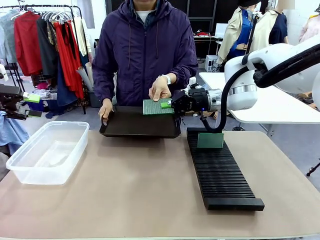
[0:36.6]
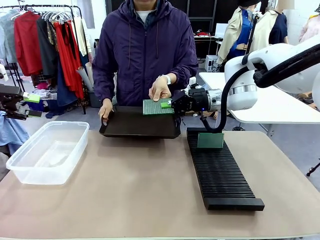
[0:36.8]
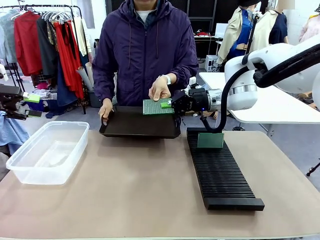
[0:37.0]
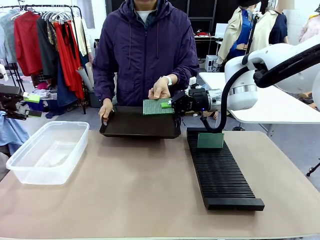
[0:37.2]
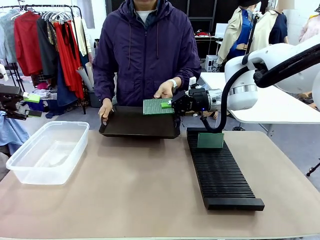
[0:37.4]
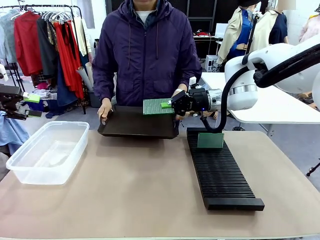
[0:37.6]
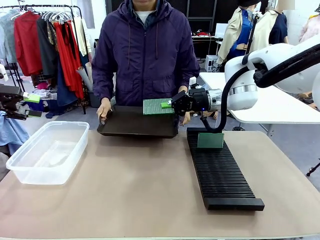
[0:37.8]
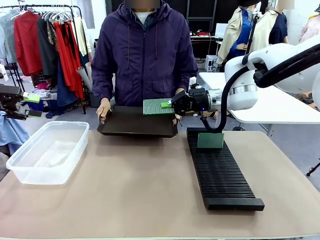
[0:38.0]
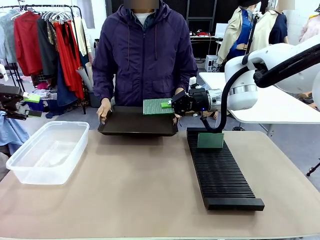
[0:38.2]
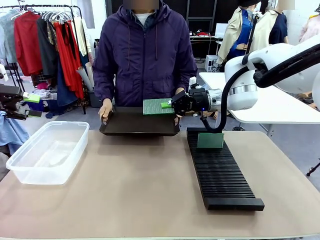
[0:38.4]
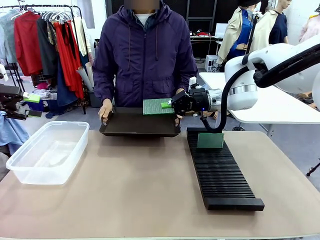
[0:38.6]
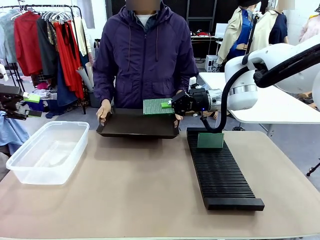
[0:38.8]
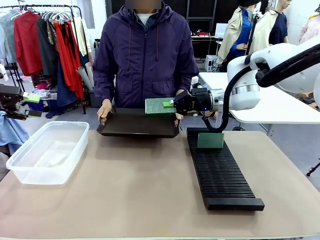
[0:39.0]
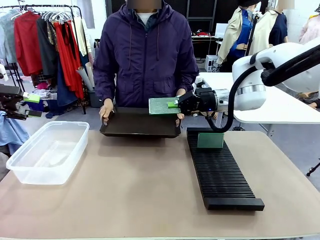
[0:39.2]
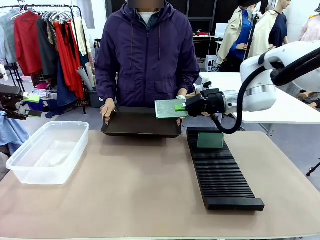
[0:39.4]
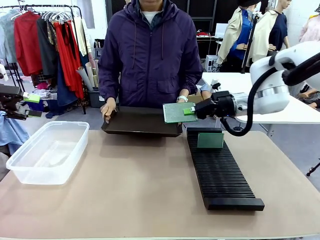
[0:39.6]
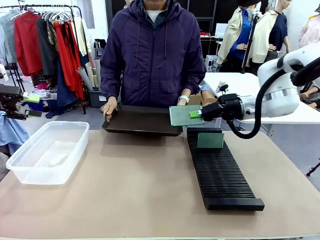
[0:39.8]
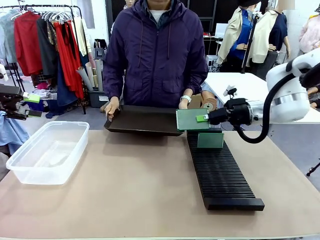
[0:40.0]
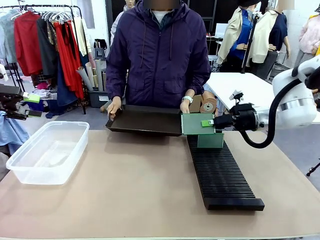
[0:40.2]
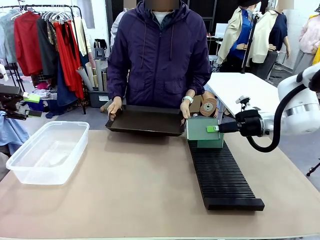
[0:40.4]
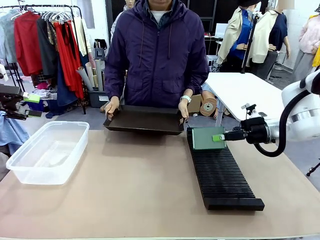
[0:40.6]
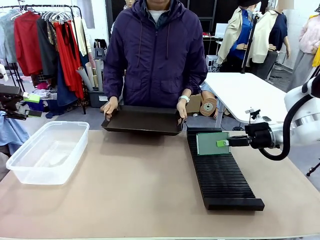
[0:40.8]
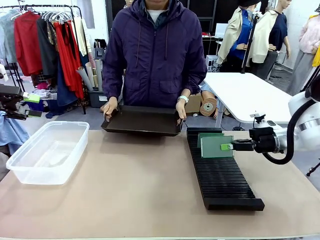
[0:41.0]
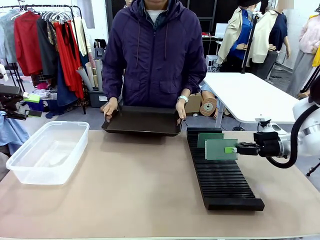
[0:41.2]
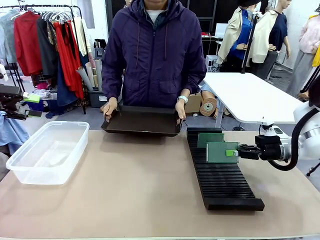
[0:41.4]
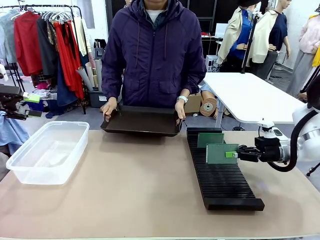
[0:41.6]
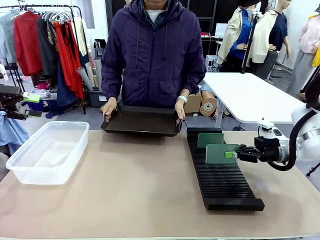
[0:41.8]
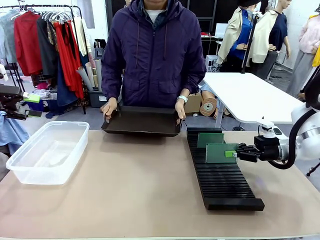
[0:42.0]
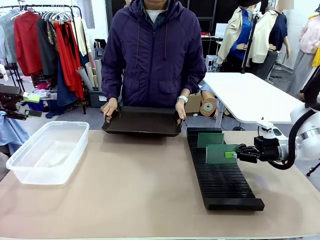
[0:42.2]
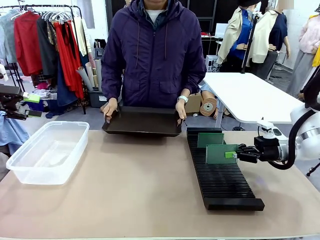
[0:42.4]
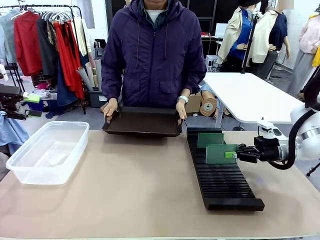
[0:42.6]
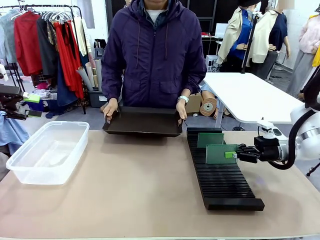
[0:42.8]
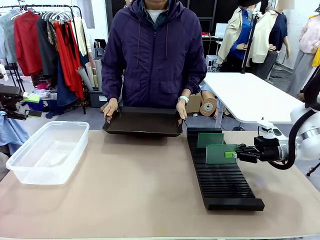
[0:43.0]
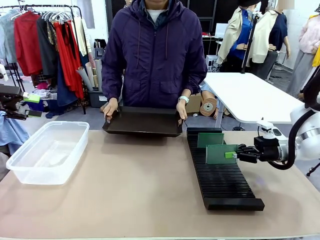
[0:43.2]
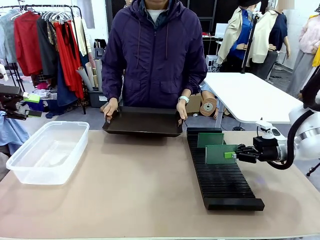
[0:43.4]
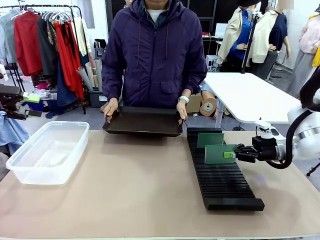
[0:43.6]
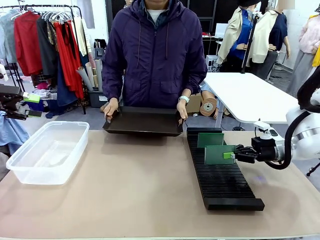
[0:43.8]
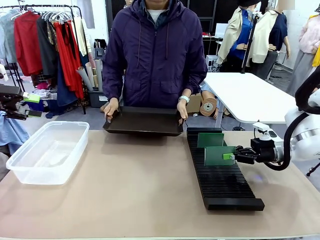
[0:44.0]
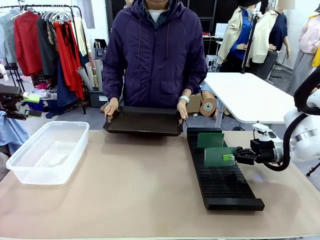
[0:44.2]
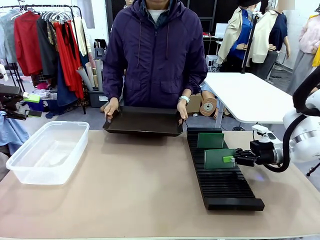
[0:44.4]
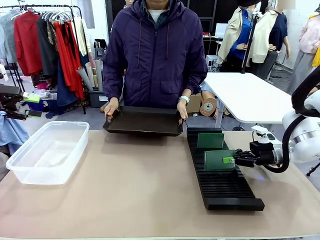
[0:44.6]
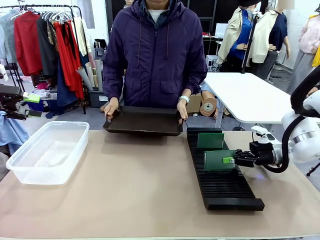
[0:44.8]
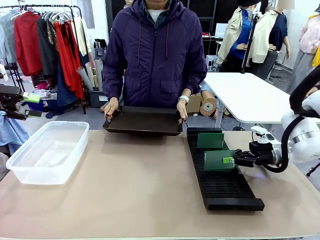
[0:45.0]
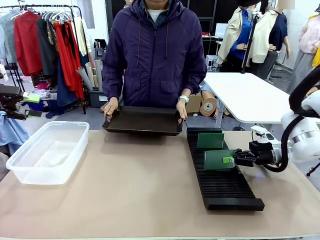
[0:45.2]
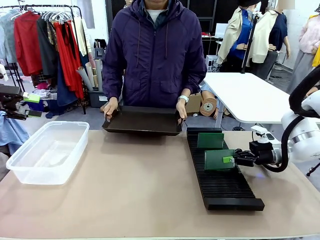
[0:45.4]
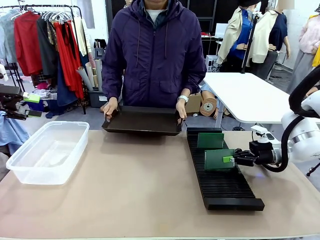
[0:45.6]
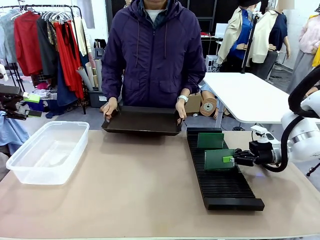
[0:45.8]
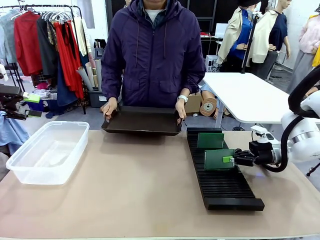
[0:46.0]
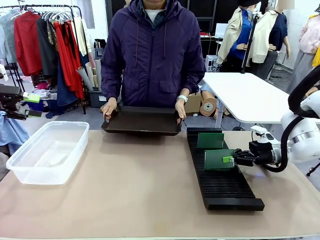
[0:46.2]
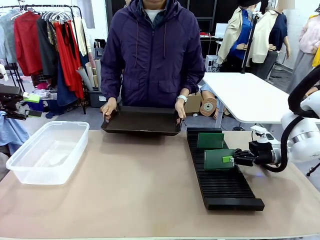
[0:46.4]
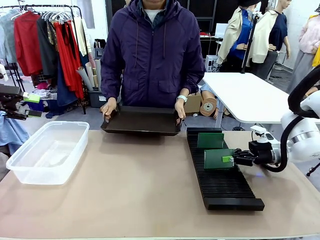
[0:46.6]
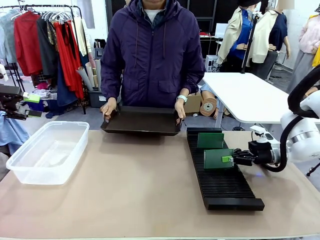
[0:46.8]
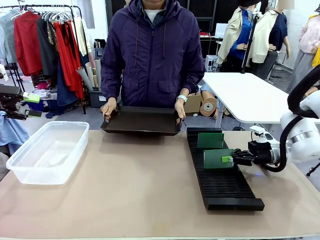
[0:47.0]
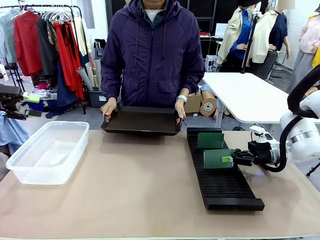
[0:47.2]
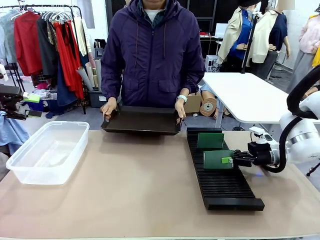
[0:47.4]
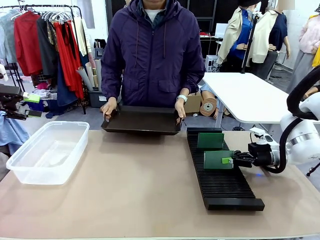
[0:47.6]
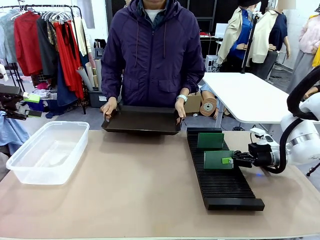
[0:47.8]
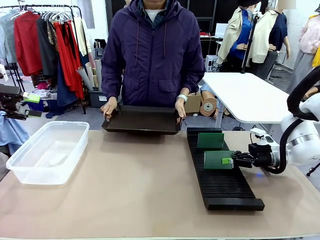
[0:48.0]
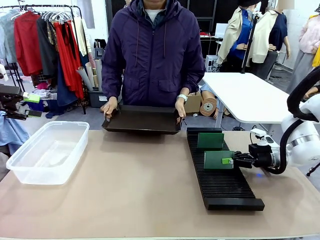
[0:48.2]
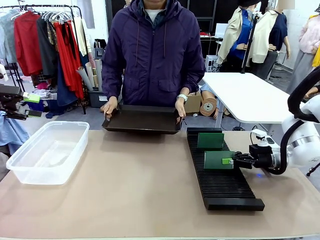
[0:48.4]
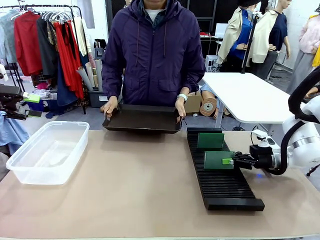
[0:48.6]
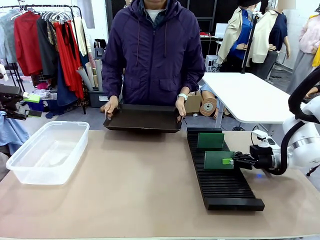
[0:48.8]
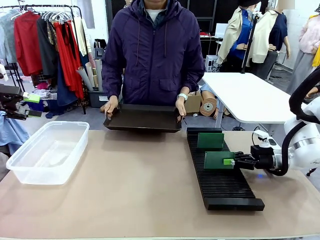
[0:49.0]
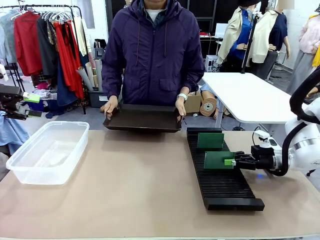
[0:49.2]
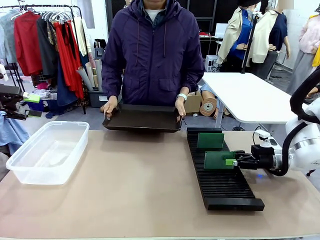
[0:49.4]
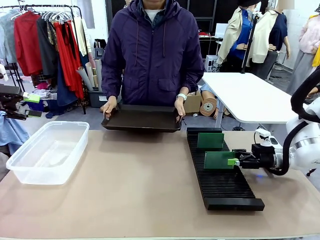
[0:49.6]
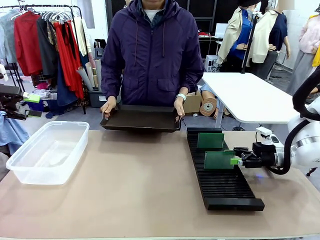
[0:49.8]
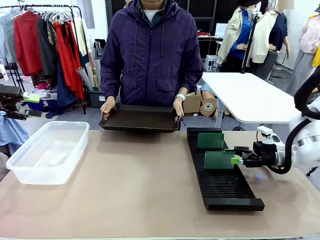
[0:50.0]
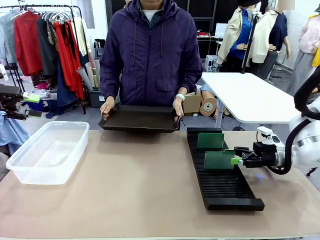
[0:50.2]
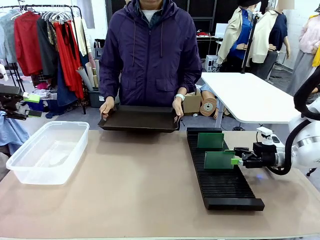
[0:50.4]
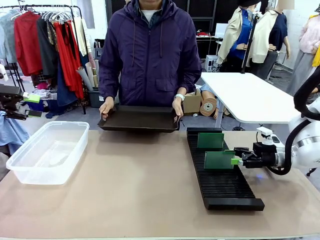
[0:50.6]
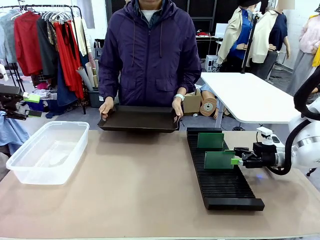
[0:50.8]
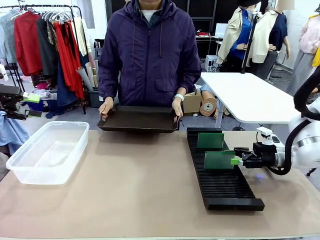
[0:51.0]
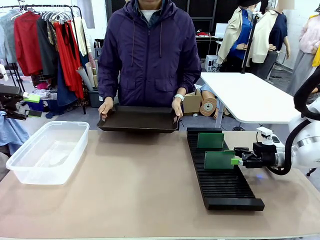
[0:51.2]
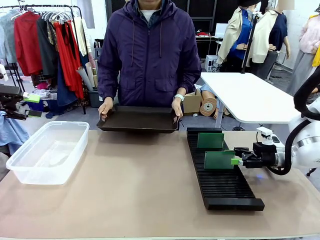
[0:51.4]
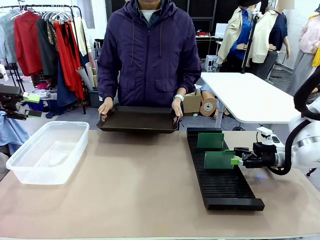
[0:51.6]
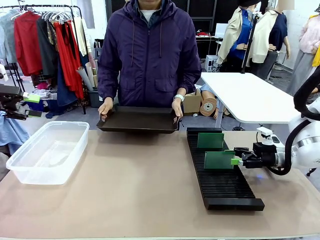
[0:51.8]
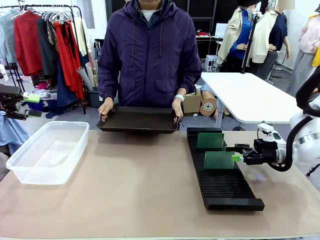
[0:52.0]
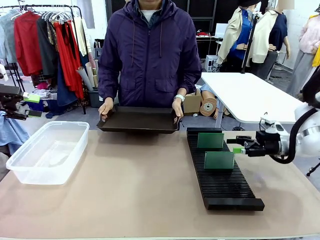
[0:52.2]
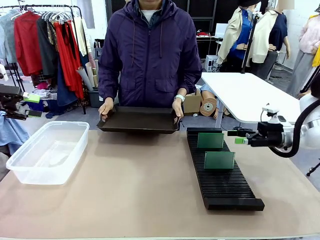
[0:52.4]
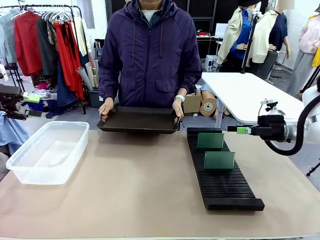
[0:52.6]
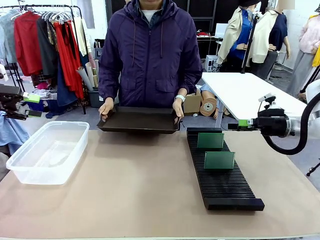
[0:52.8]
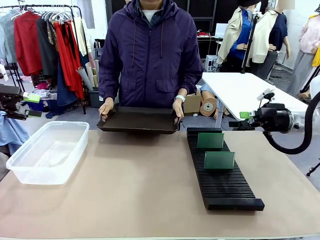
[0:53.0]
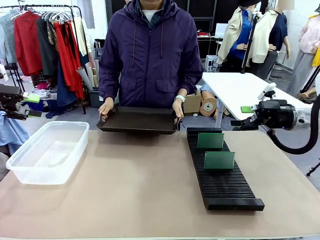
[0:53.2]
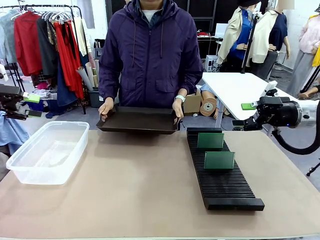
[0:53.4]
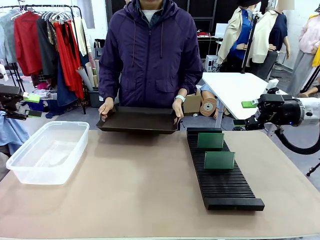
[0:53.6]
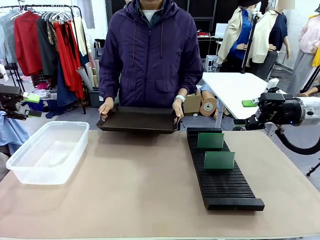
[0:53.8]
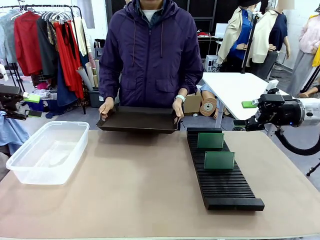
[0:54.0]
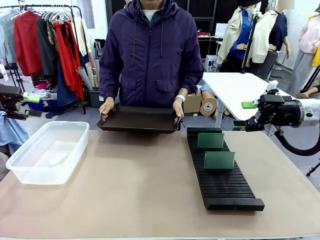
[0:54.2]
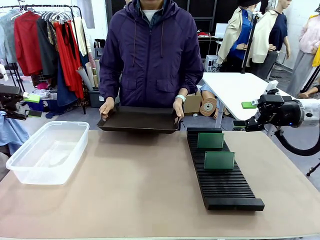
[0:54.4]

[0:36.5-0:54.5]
Task: Sort PCBs into racks and boxes based on the side picked up.
Robot: If the short side of the Blank PCB is picked up, insert it into the PCB Rack ; if the long side is picked up, place it in the Organizing box.
Person: Release the PCB being held.
